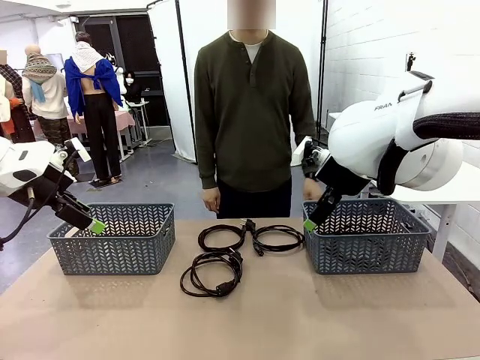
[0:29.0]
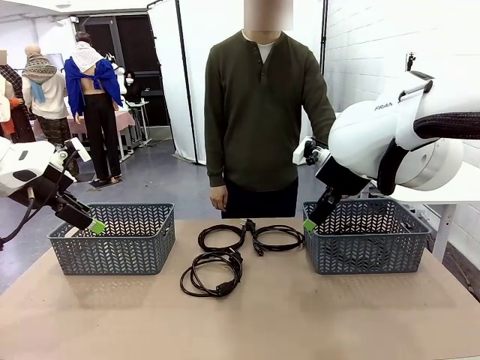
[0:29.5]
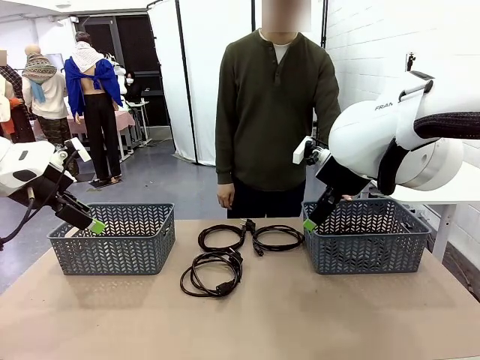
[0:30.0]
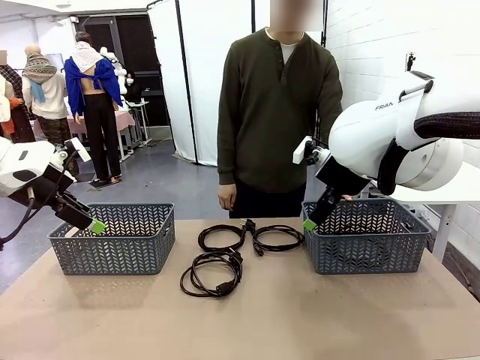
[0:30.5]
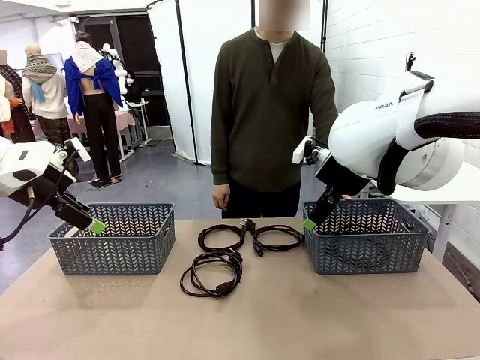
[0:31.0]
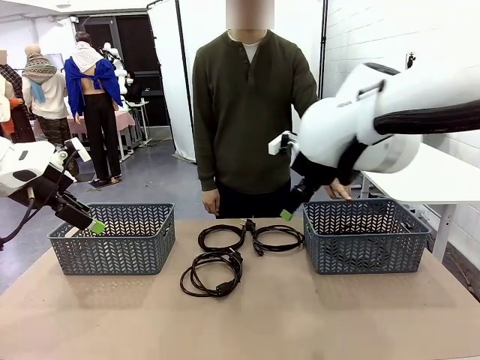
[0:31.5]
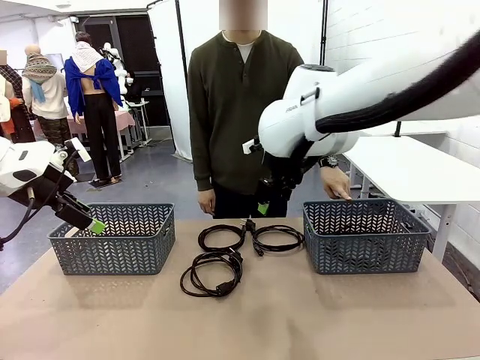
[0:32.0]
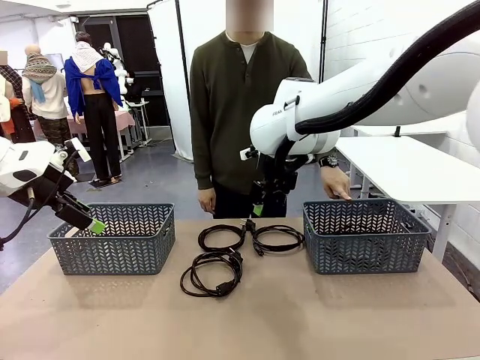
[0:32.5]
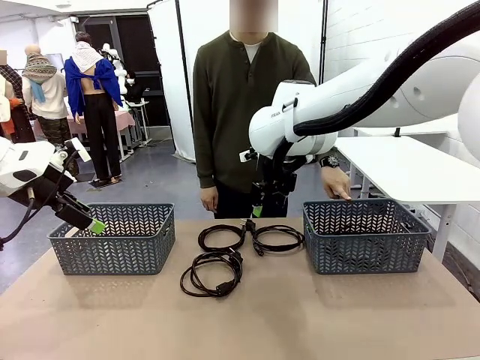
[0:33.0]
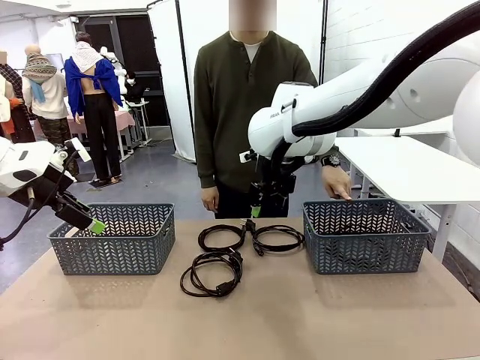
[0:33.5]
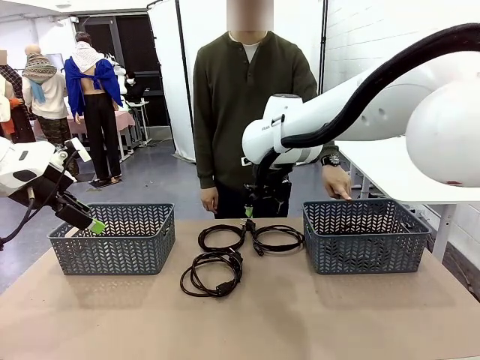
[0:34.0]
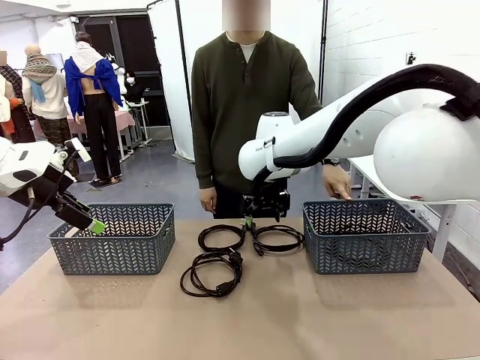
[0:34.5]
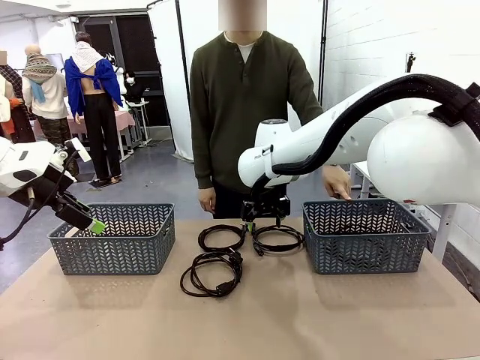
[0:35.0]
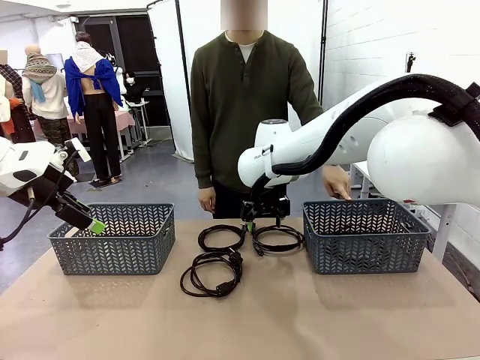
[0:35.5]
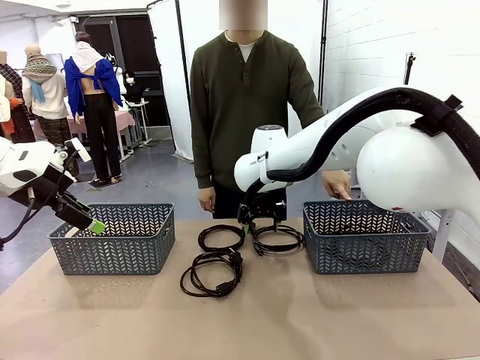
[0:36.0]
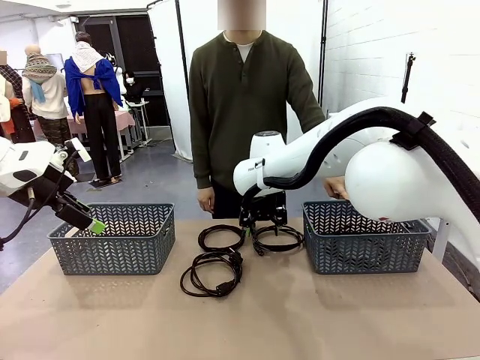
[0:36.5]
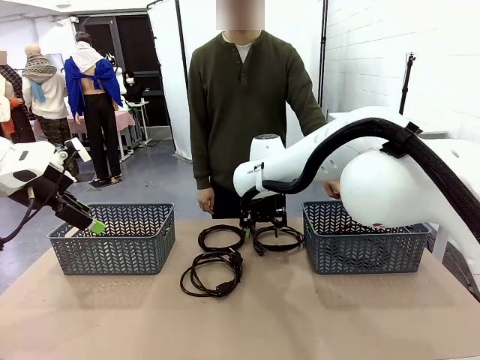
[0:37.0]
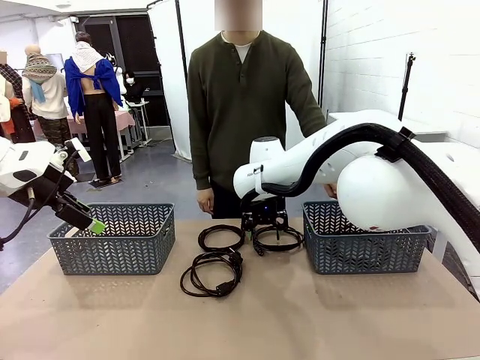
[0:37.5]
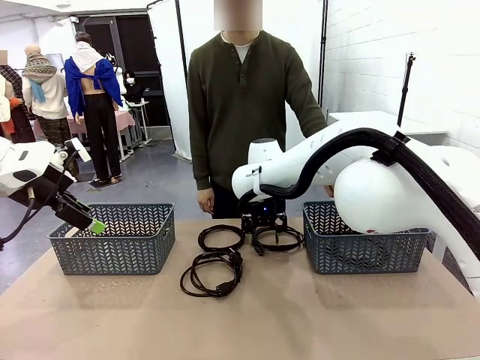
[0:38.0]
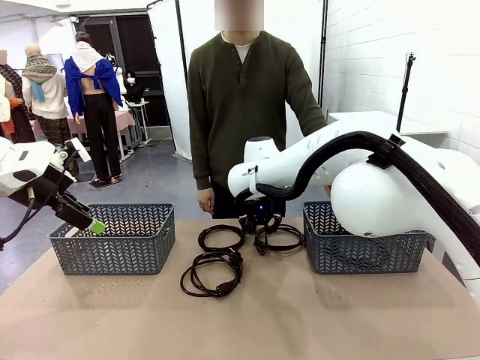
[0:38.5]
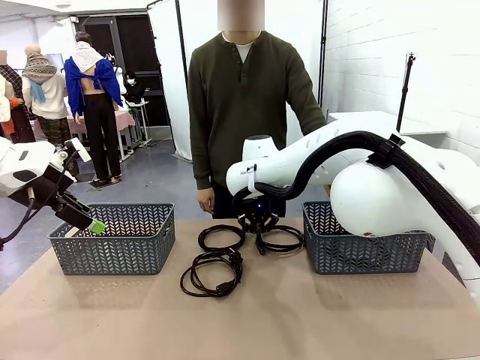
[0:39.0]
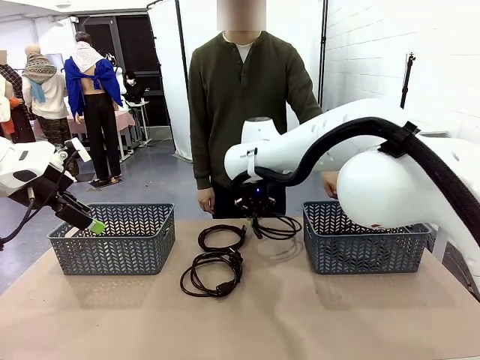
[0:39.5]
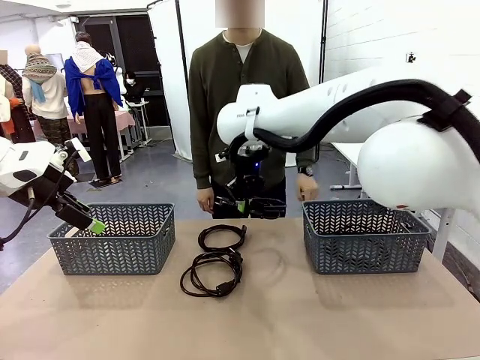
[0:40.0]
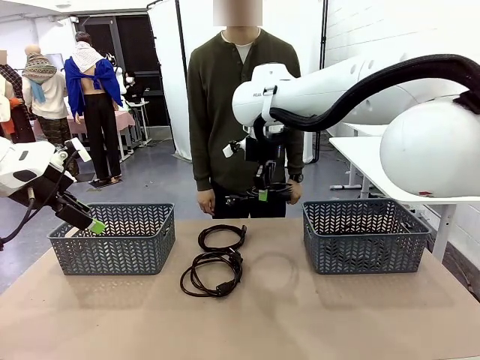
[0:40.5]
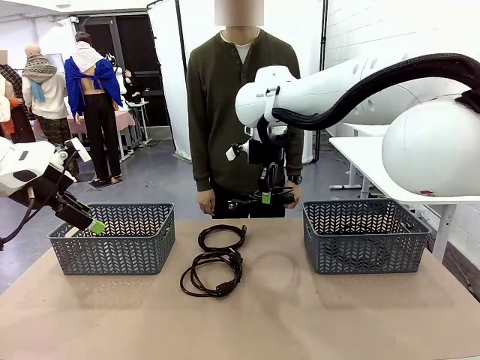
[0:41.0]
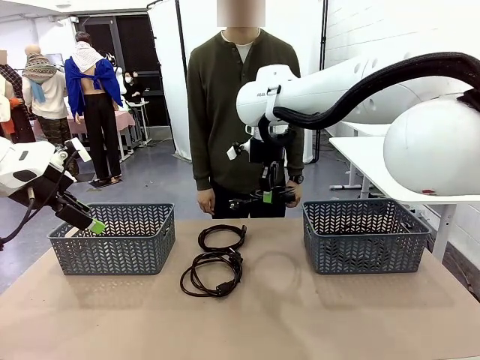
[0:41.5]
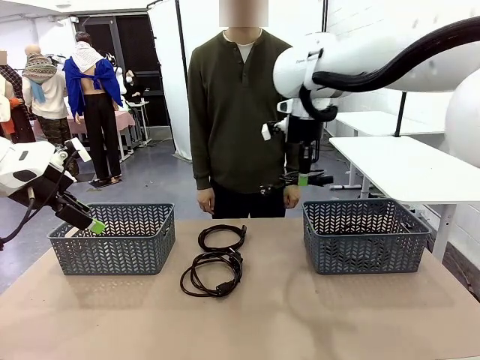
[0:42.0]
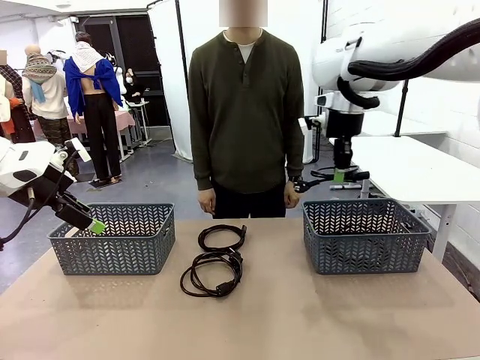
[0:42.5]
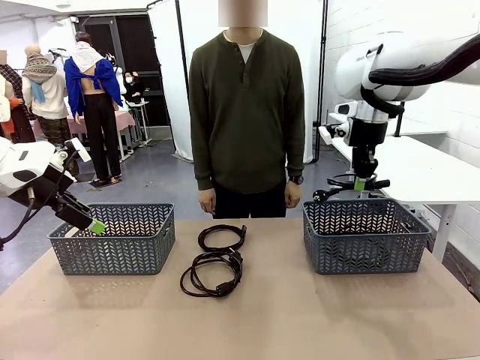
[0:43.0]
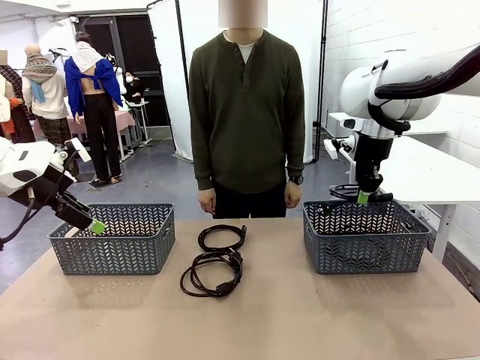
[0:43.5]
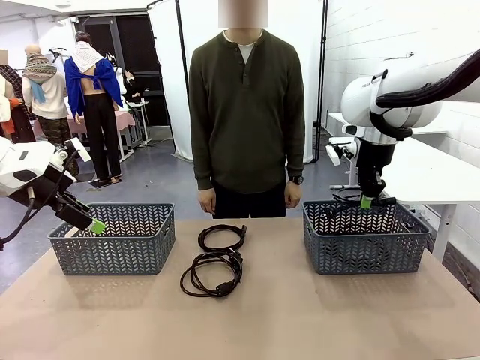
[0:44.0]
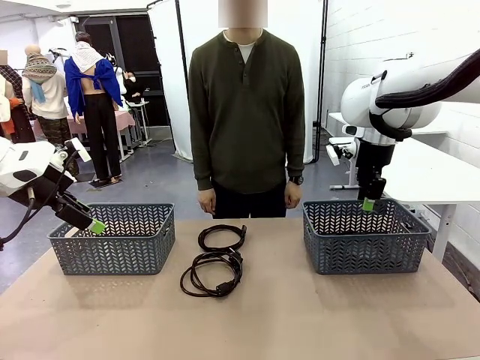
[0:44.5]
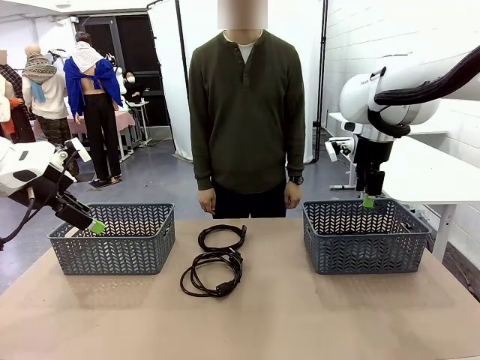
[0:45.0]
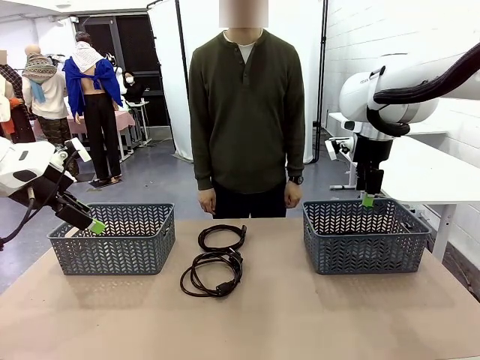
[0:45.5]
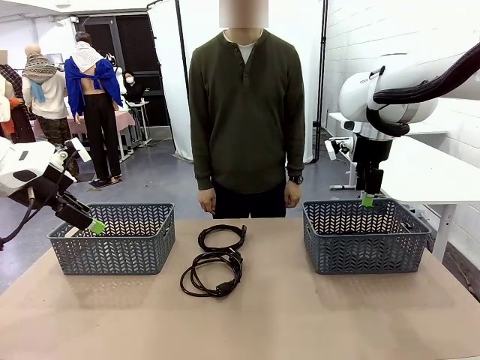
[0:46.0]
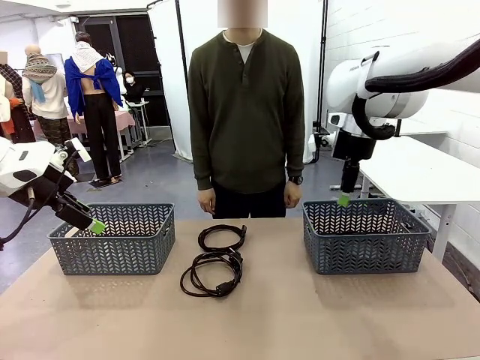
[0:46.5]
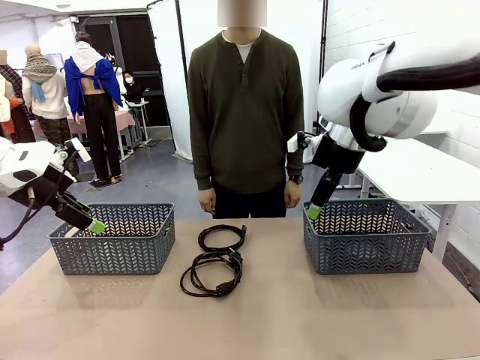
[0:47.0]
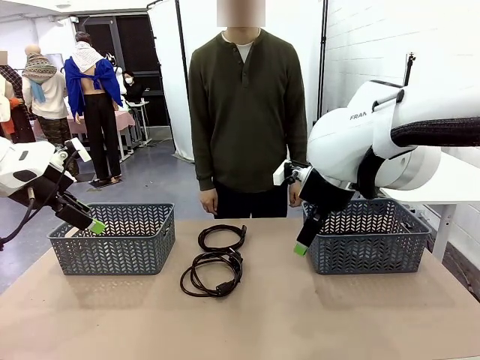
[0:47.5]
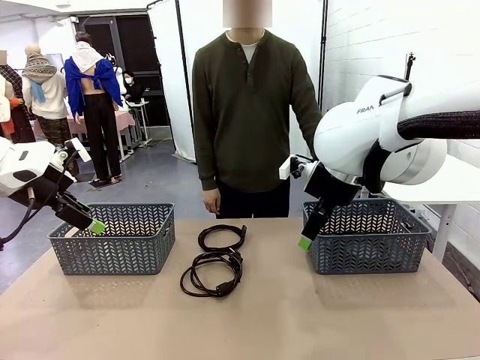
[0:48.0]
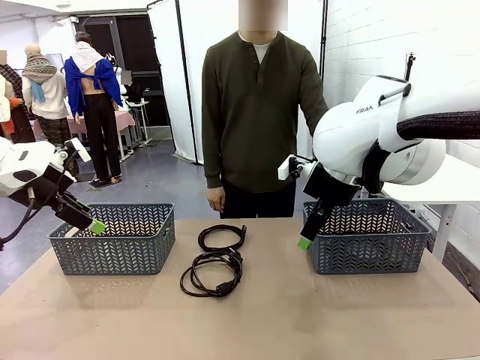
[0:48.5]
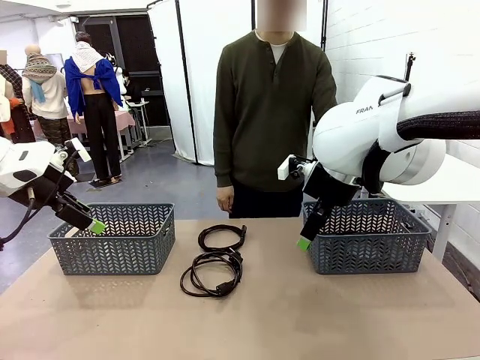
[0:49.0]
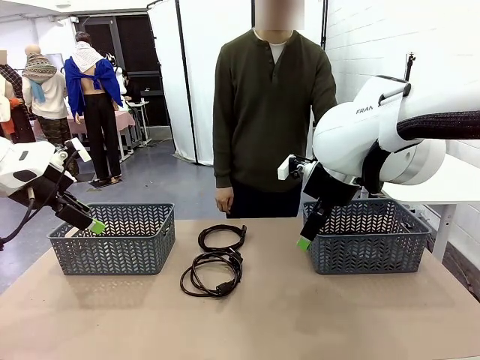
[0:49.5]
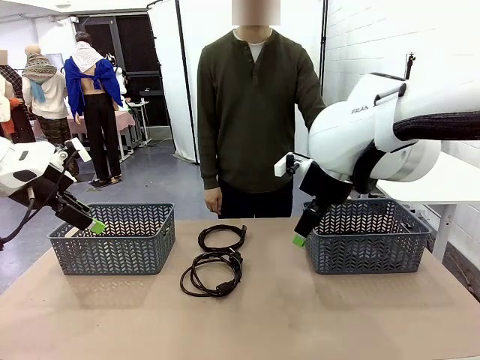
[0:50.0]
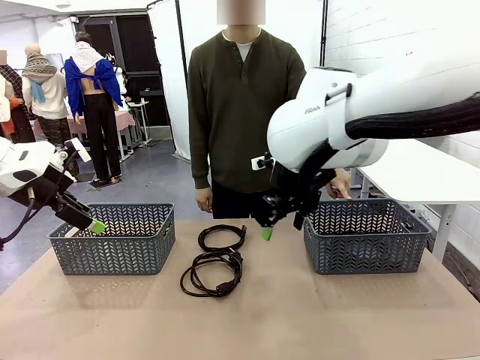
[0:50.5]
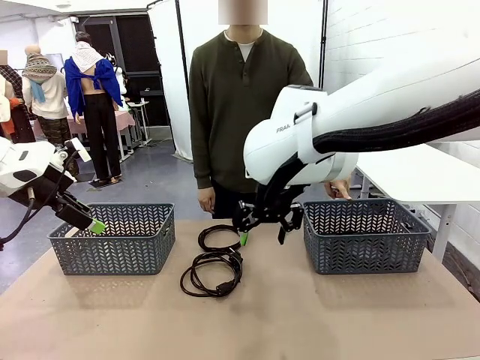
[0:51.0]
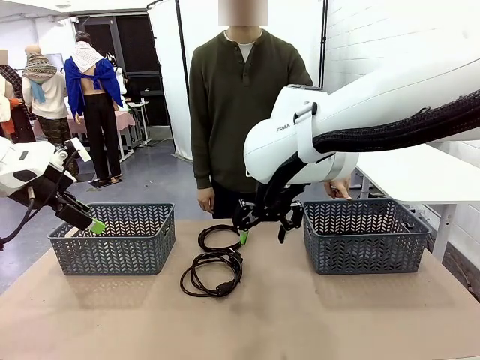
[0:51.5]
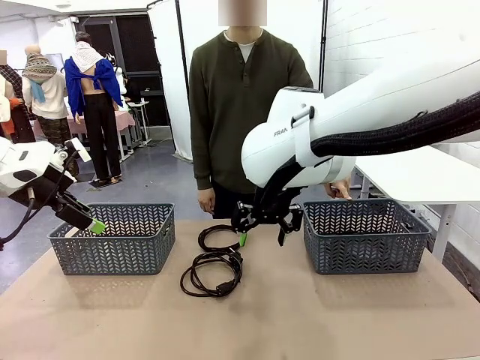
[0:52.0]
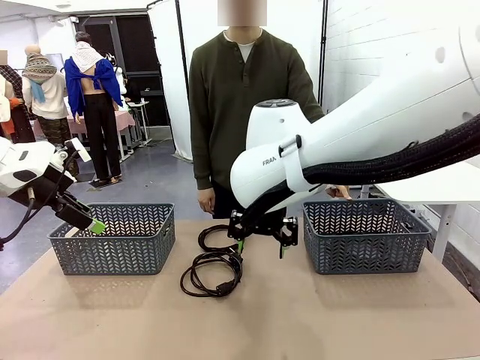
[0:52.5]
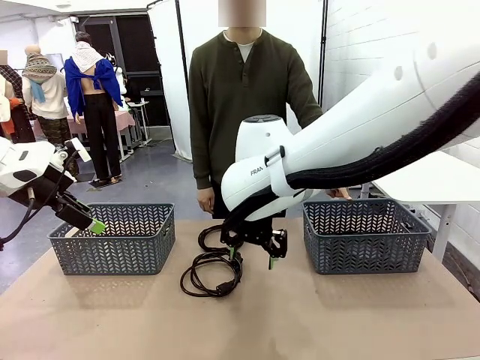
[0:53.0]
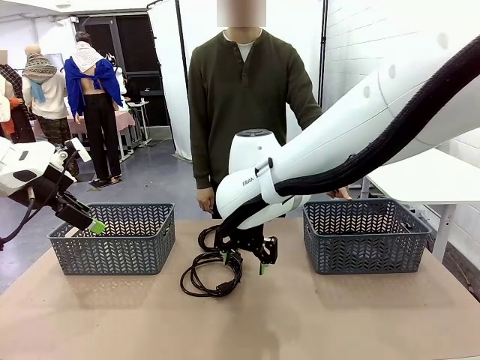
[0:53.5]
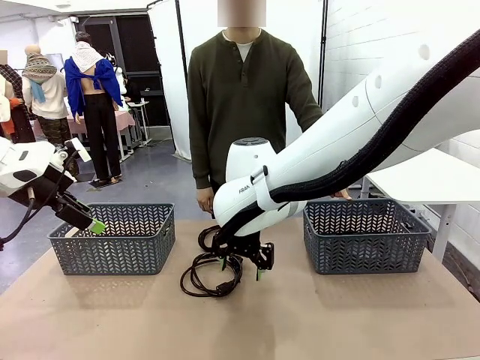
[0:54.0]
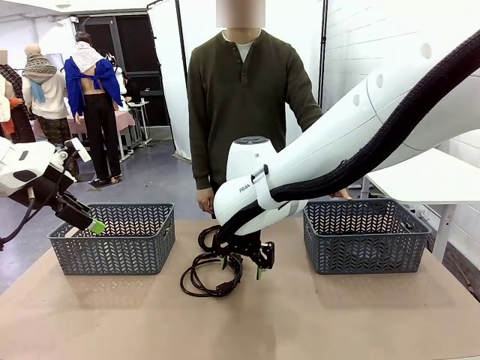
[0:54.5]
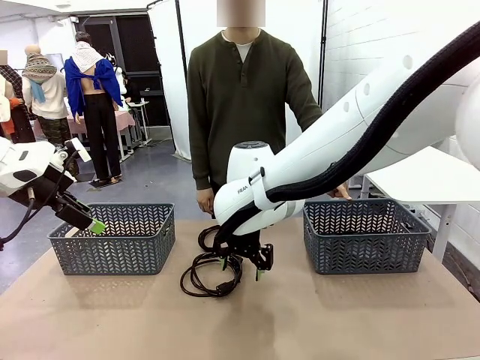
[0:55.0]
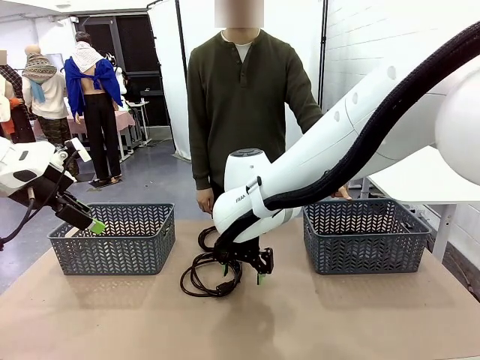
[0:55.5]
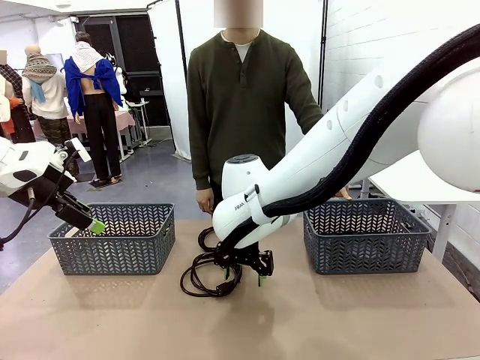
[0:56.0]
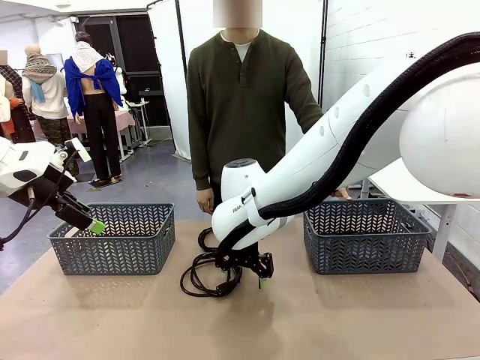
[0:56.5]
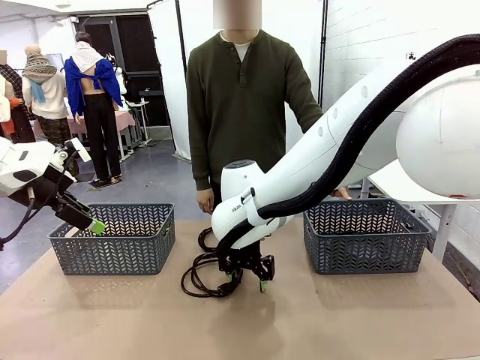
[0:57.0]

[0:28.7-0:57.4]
Task: Organize the cables according to human instructions.
Robot: Pick up a bundle of cables and place it in the basket indicated by the human.
